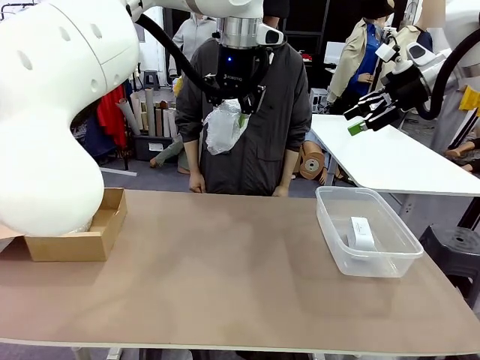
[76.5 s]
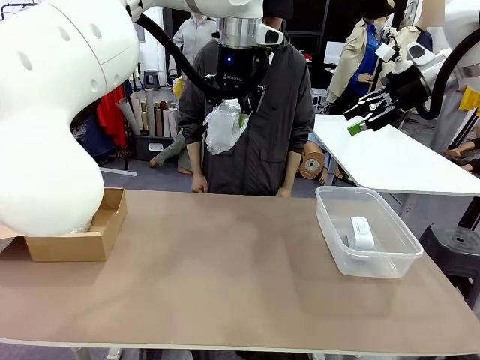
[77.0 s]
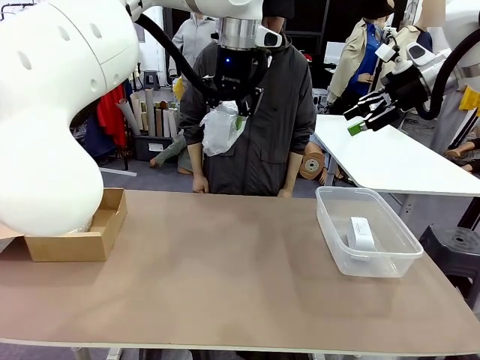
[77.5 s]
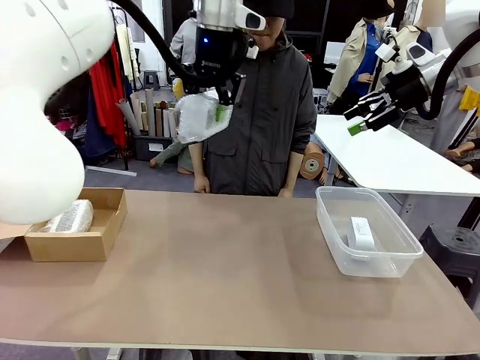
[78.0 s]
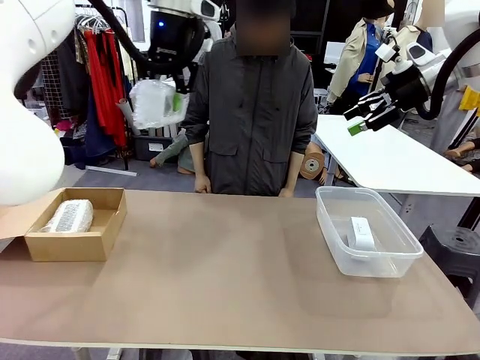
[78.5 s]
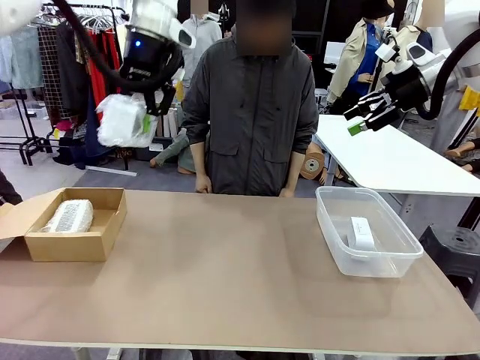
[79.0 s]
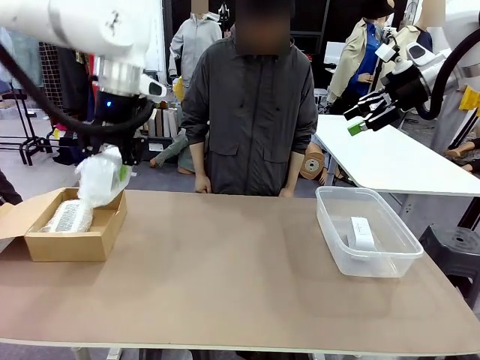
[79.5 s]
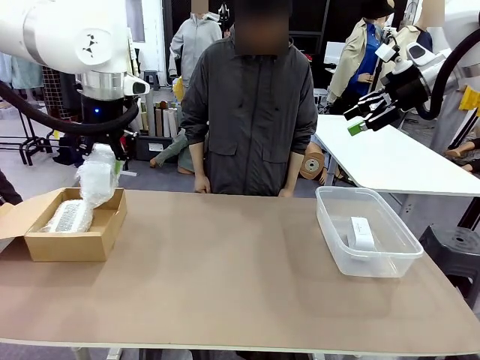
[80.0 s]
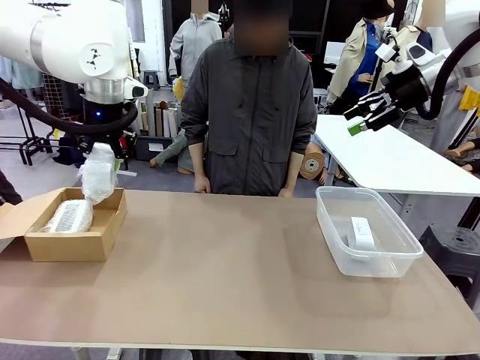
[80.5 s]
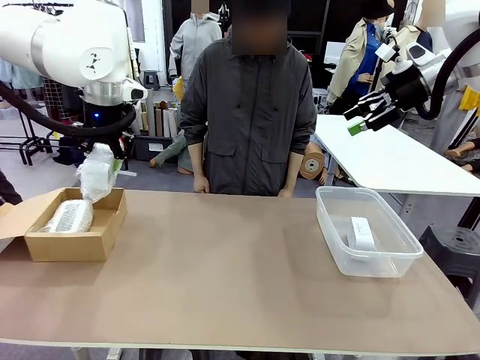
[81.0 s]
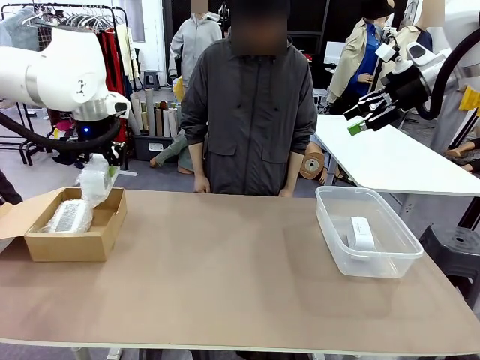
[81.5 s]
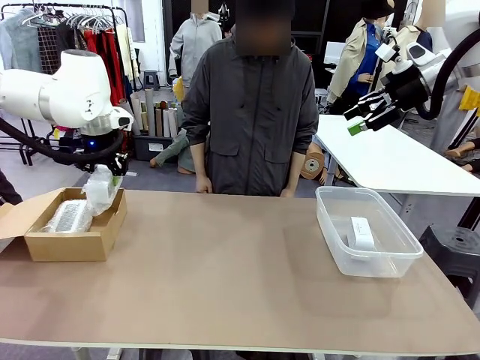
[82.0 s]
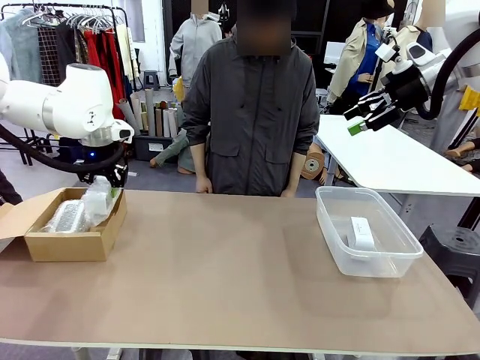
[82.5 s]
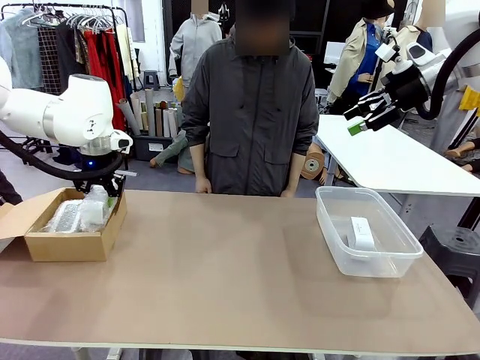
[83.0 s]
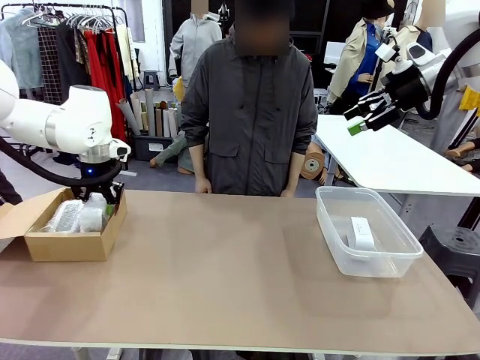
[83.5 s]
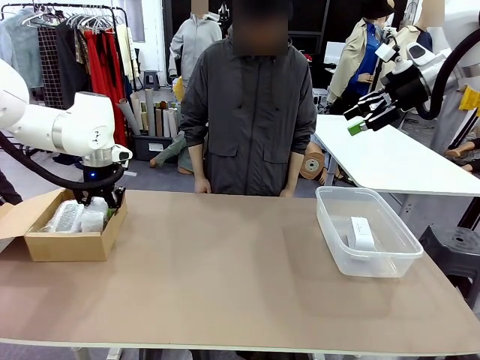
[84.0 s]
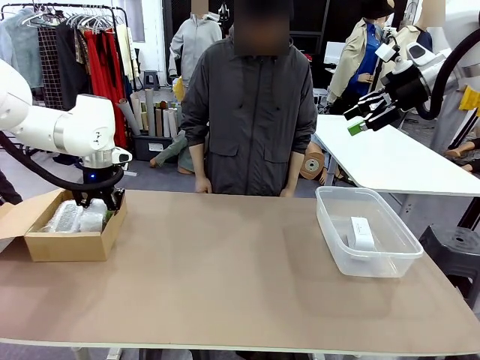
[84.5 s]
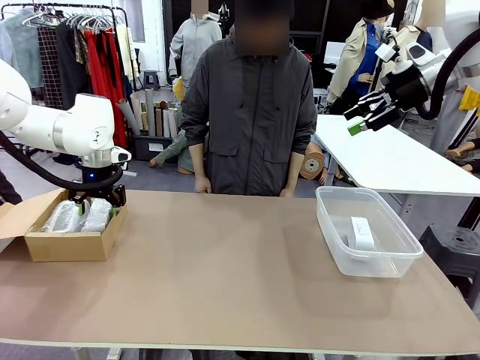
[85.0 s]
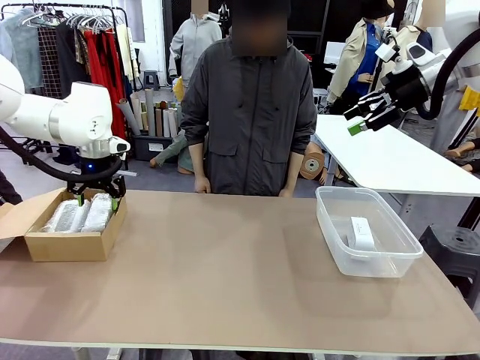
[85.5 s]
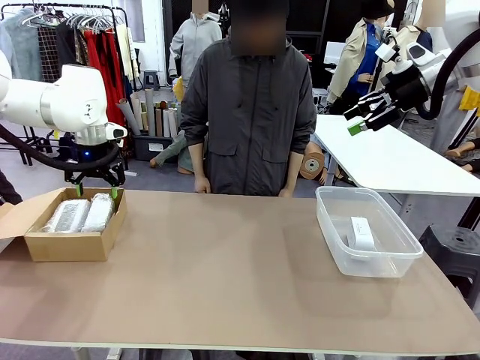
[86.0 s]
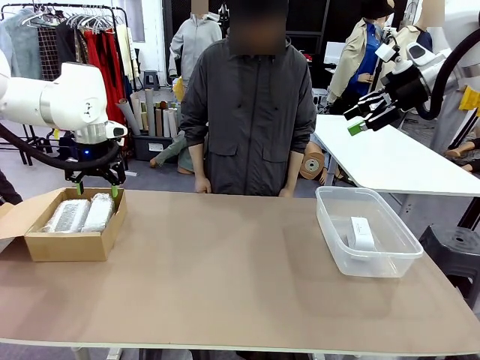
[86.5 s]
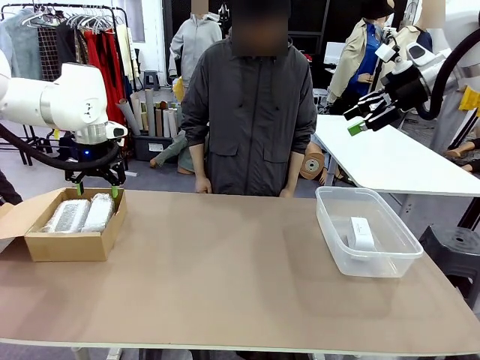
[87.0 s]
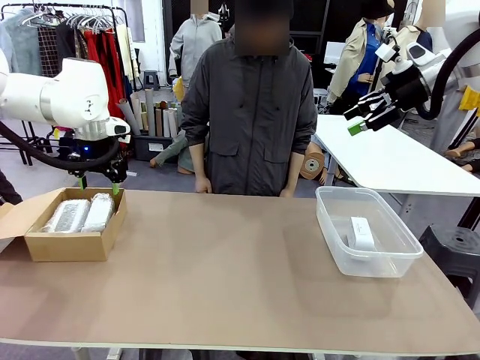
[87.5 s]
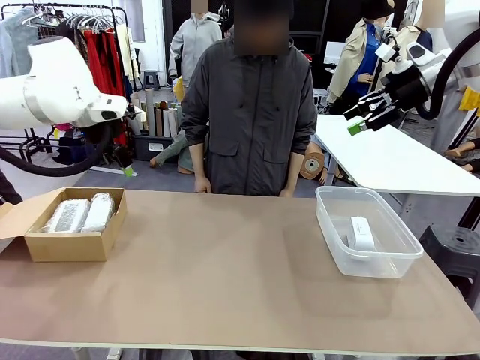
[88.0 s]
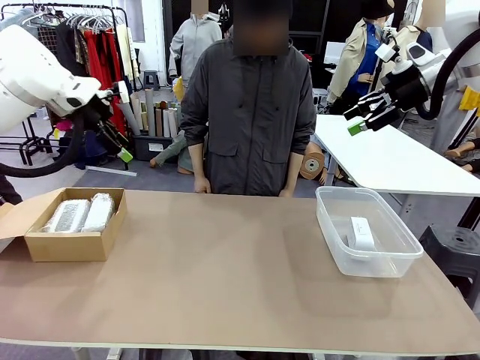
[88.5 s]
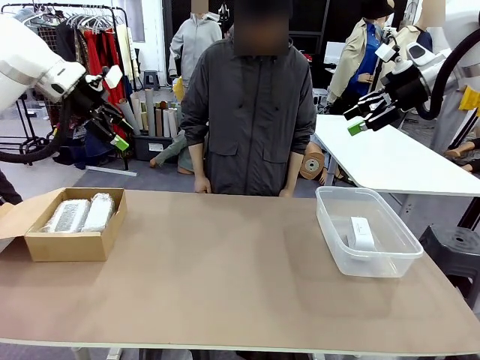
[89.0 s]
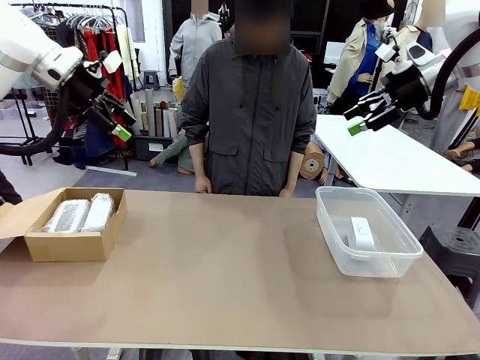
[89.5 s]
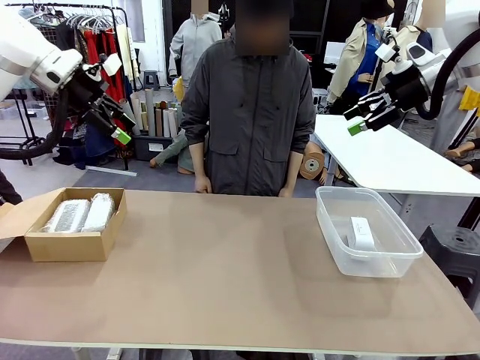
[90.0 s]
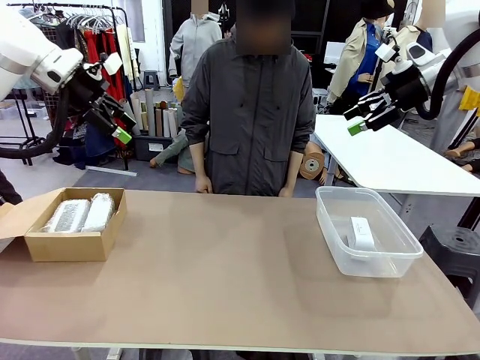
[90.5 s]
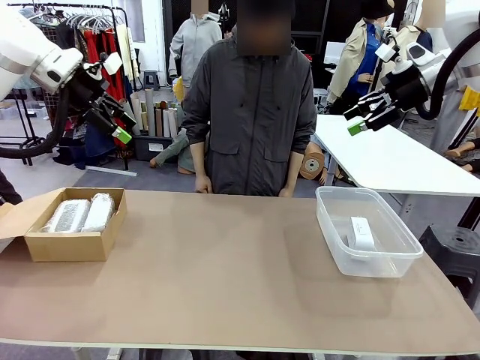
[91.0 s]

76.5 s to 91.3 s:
Task: Separate and place wrapped and unwrapped clocks.
Robot: If the picked Digital clock is wrapped, place it in the Package Box ; if not, place it in the Organizing box.

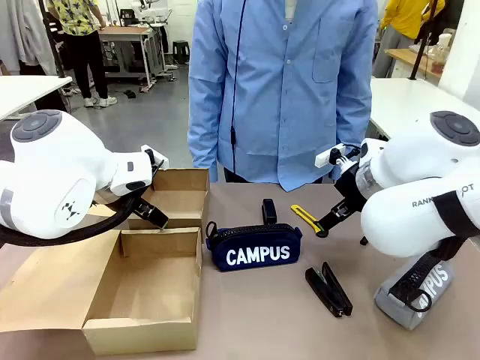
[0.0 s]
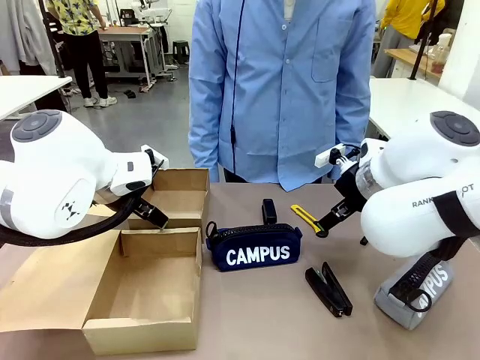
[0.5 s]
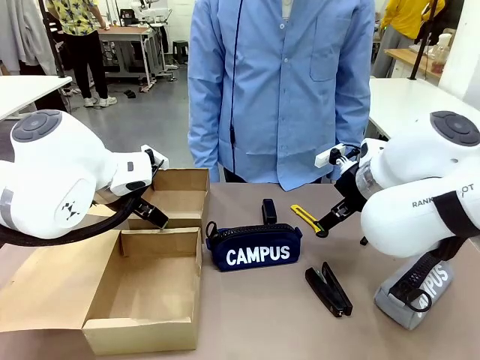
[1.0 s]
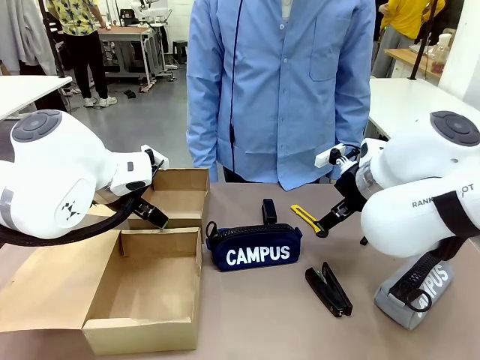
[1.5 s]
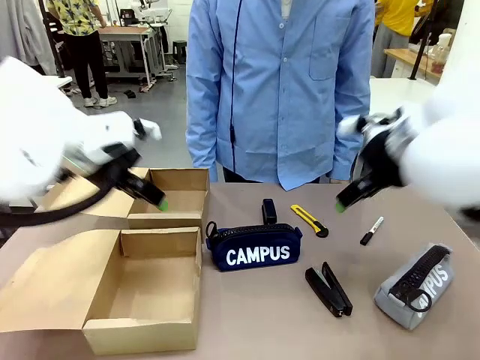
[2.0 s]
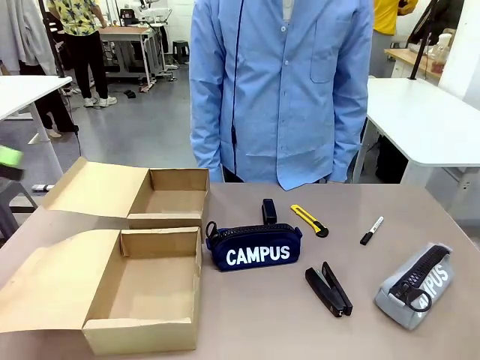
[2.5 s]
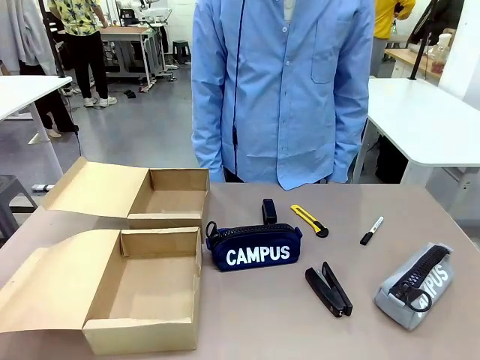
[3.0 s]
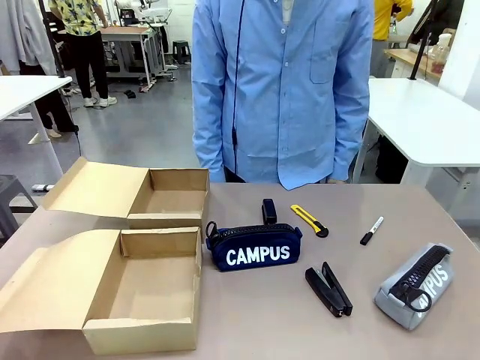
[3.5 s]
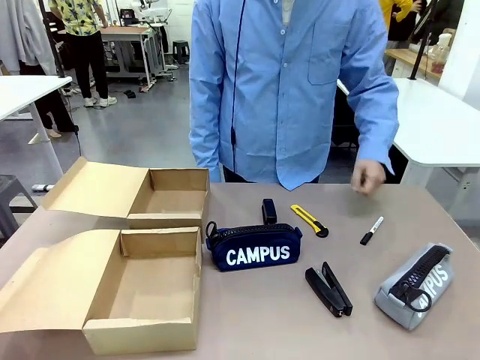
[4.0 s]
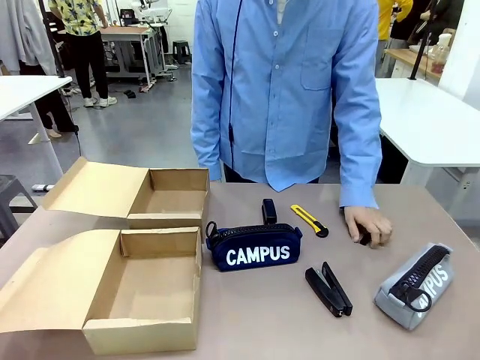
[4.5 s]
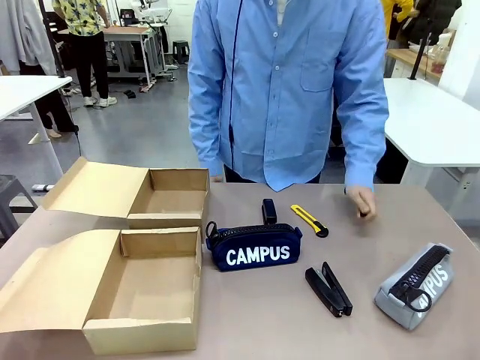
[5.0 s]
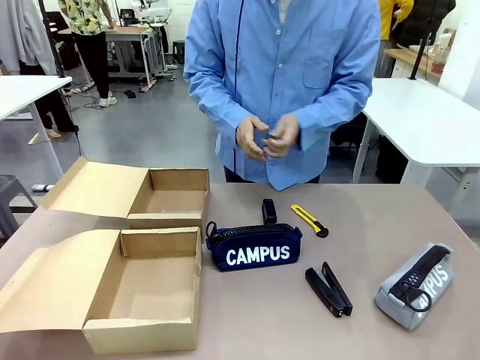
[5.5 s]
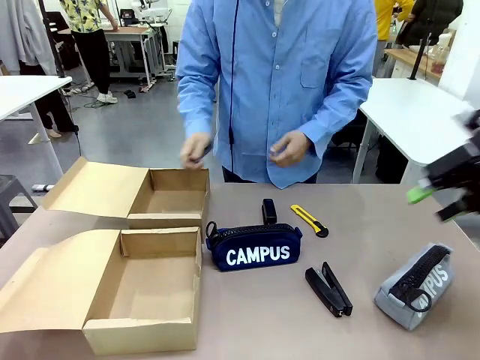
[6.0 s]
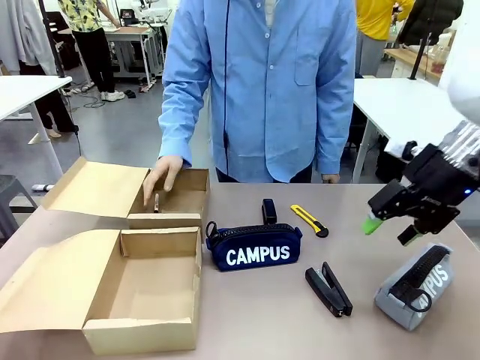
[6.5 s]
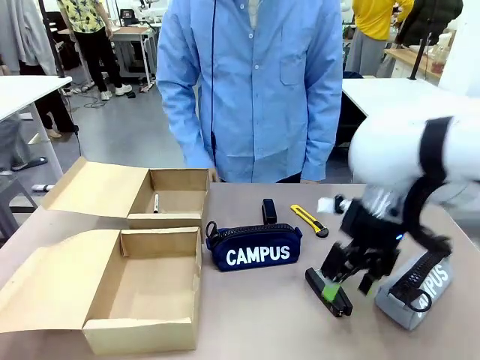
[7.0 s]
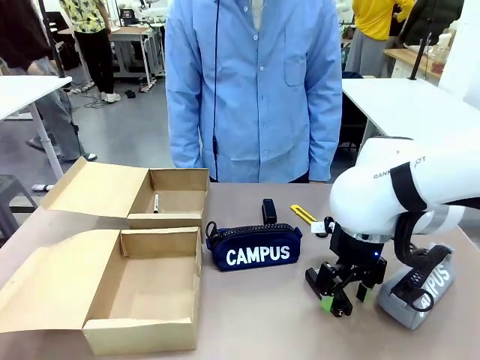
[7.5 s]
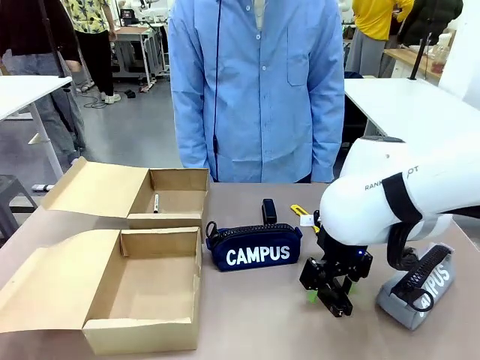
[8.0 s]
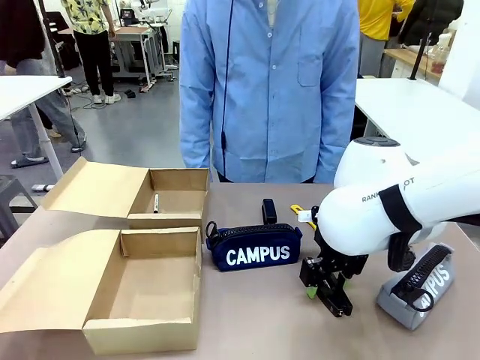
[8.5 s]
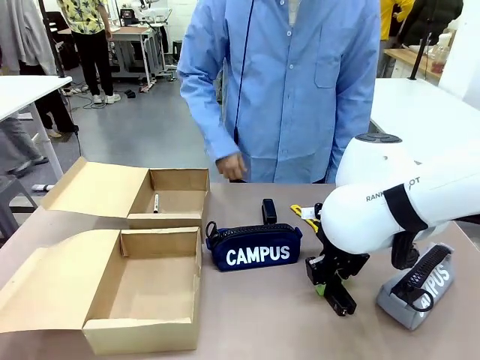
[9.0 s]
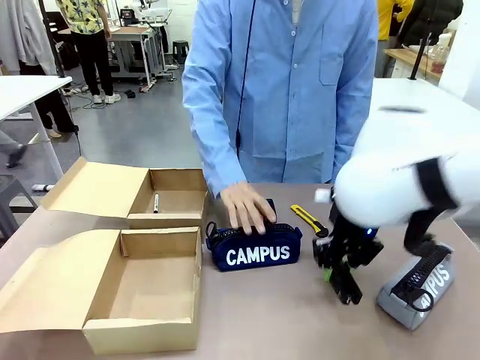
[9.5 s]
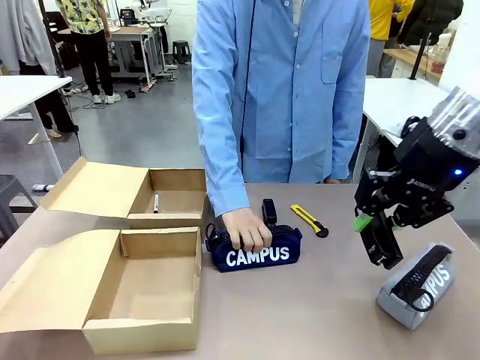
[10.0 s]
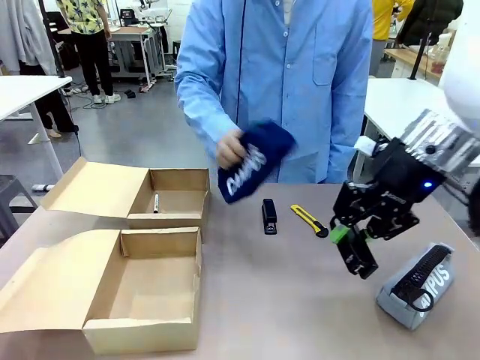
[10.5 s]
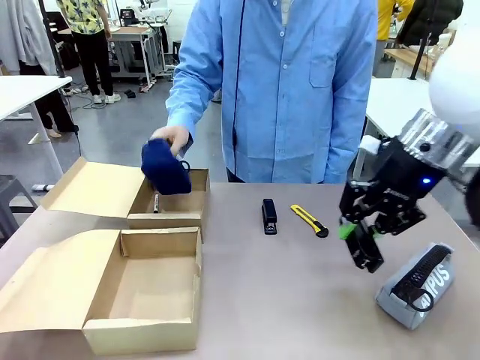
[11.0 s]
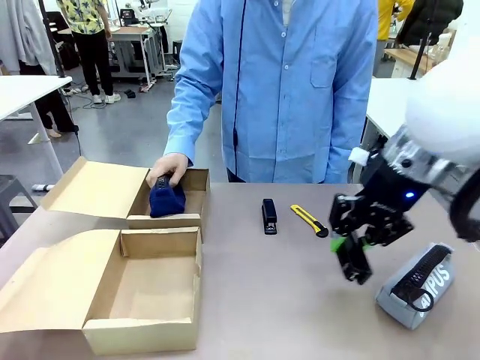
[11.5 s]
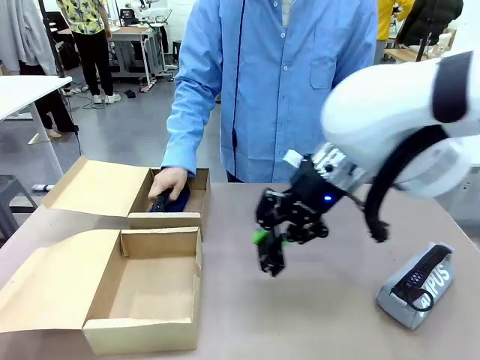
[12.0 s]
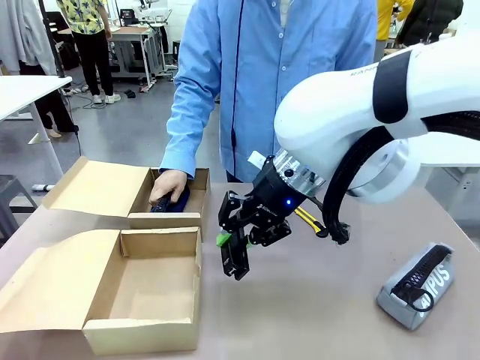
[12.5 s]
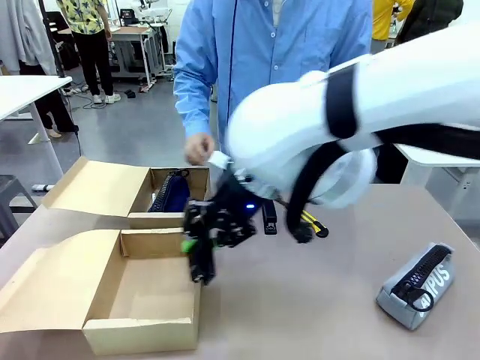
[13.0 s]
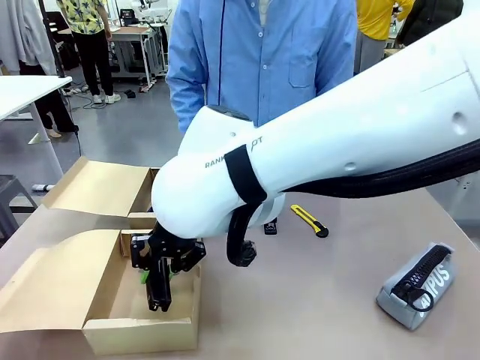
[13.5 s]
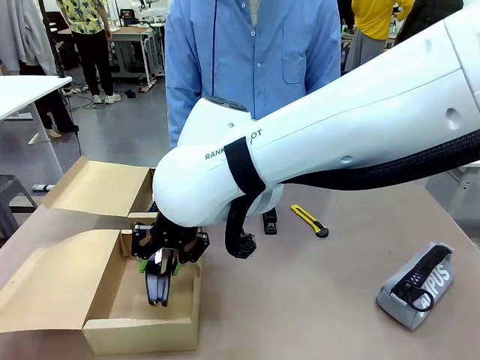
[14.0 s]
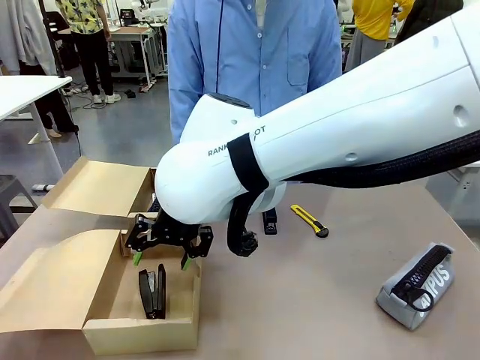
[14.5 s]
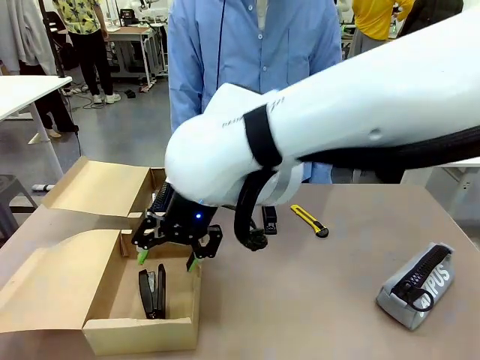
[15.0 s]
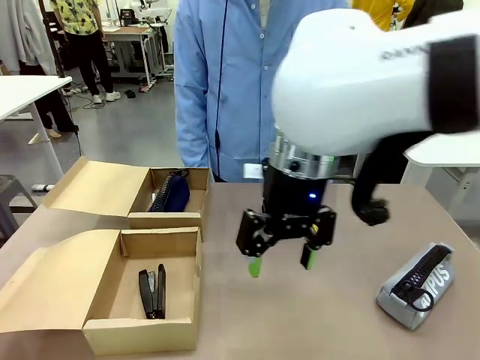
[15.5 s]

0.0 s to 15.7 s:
Task: Place items inside the box.
Robot: Pick up a Pencil pouch or Stapler and place it inside the Mailer Box closest to the robot.
Person: Pick up an object on the table and put it in the box.
